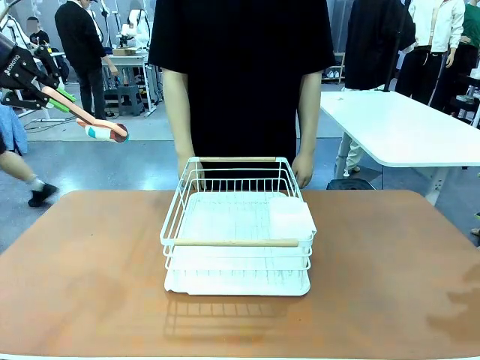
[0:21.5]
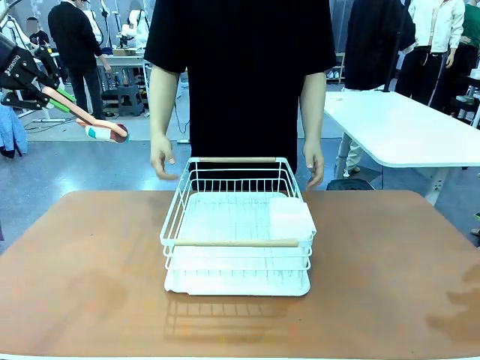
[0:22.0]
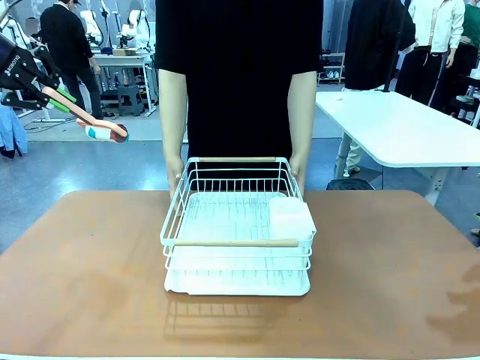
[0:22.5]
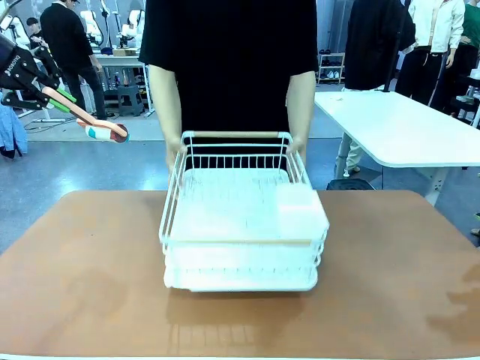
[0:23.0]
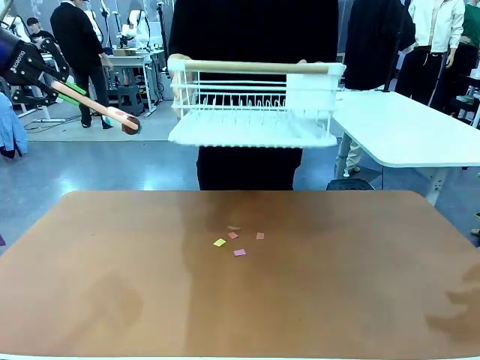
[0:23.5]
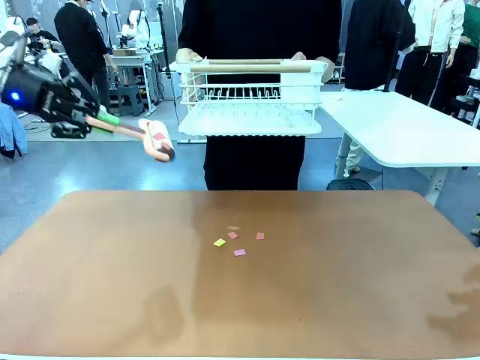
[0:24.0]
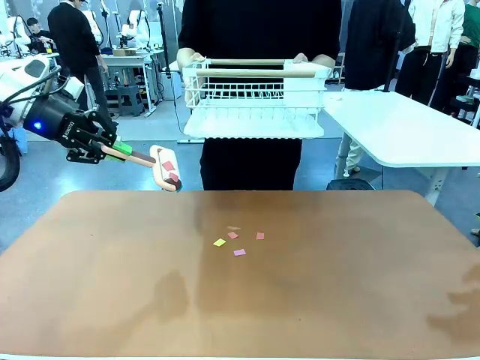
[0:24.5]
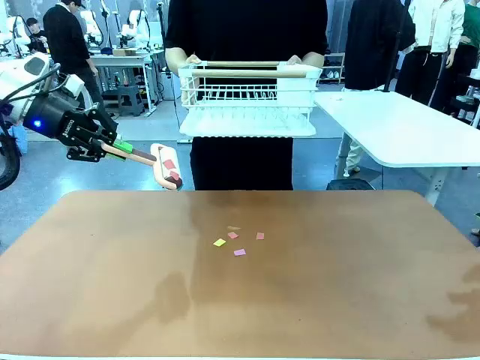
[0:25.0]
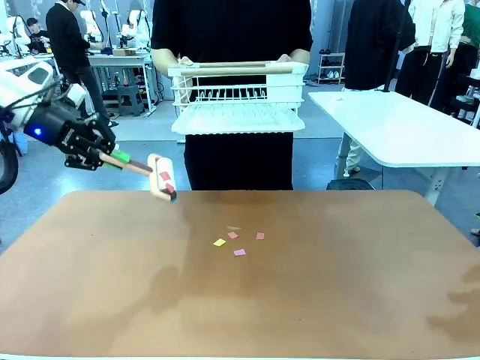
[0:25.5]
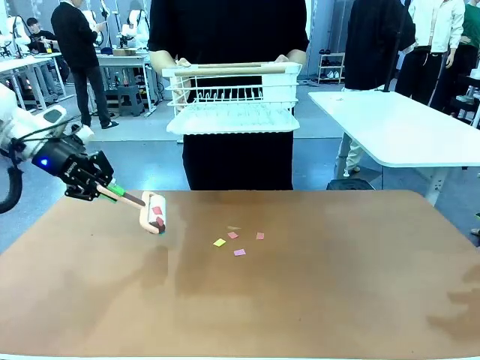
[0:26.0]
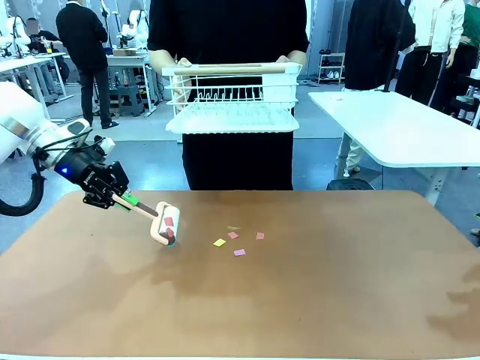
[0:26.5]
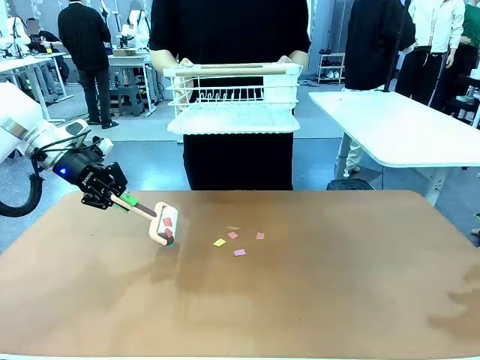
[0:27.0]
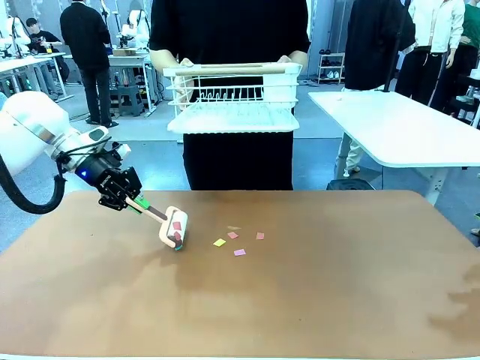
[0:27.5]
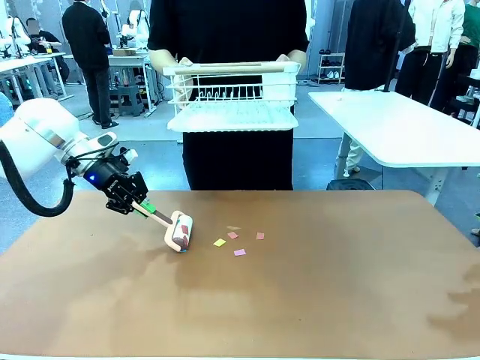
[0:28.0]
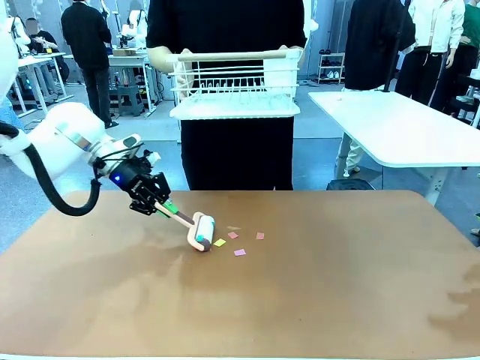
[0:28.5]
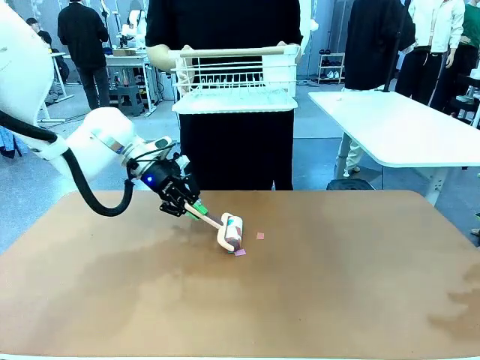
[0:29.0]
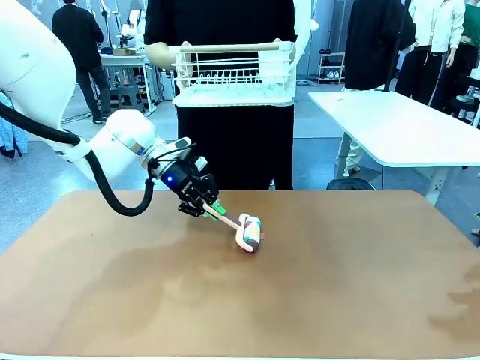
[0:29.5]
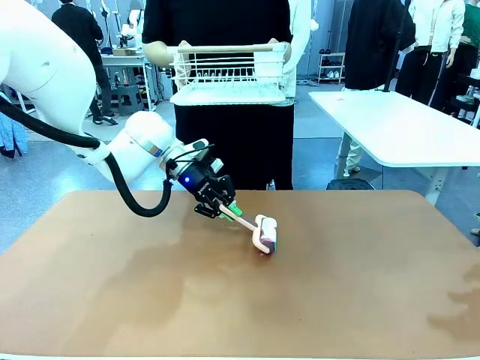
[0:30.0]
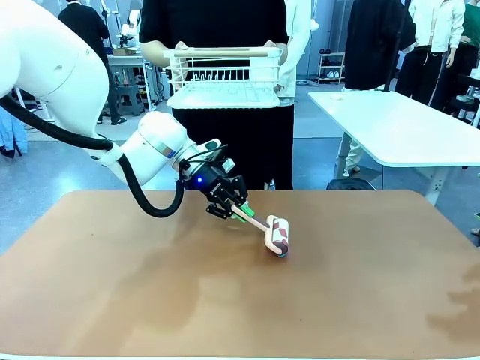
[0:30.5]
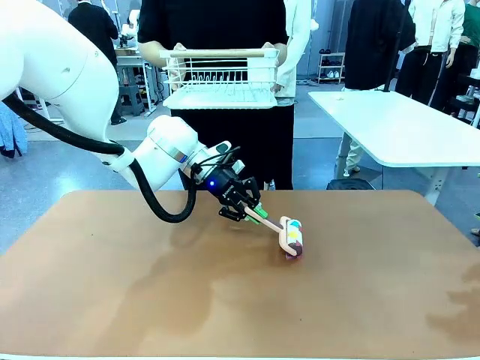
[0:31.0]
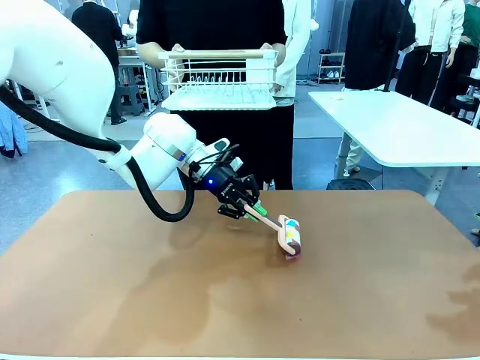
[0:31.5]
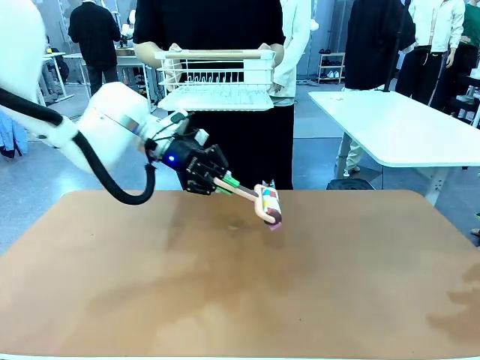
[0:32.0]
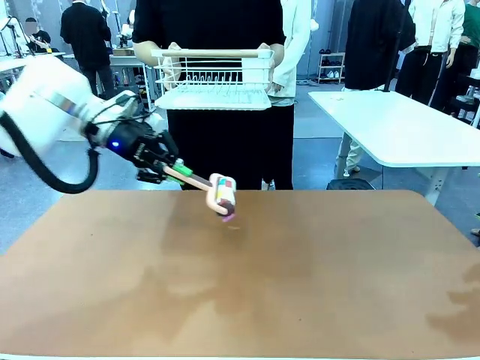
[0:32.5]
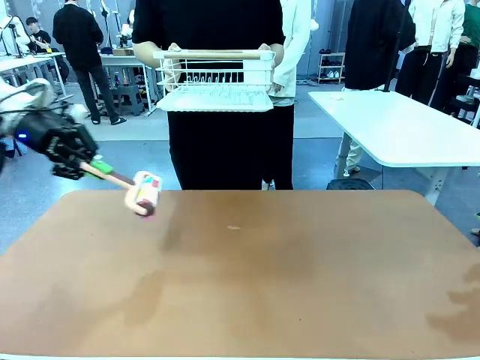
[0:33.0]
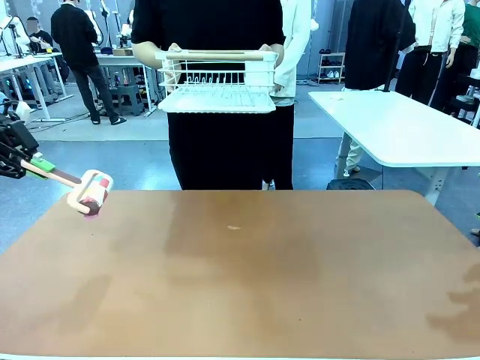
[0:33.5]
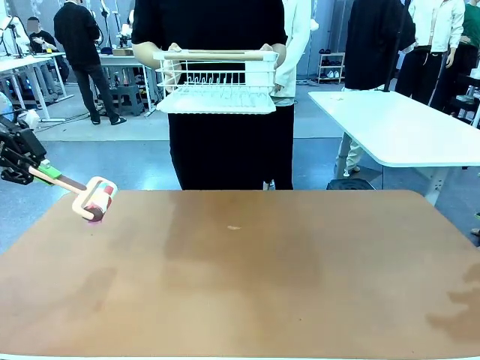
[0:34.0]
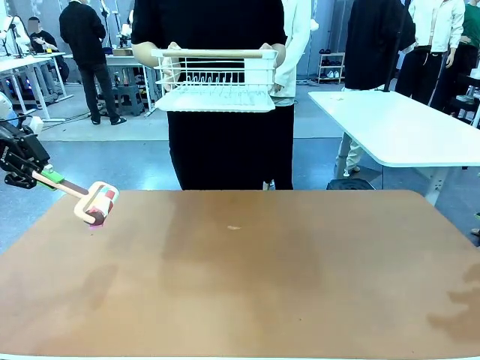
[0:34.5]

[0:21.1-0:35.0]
Task: Clean the table.
Robot: Clean the table with the Lint Roller when the human lifts the Dish drying rack.
Person: Place the Dish drying rack down when the robot finishes cleaning.

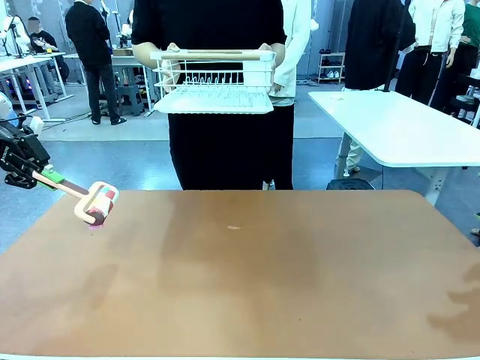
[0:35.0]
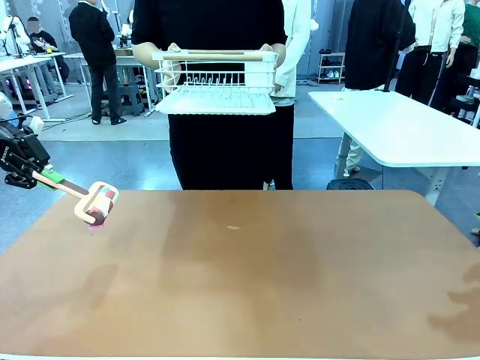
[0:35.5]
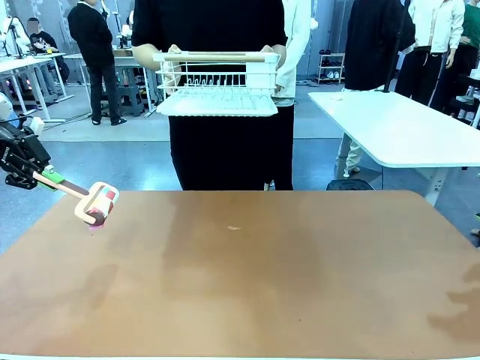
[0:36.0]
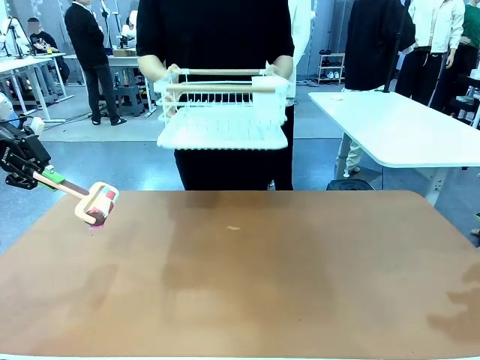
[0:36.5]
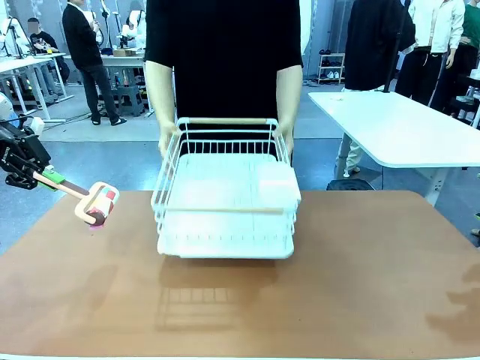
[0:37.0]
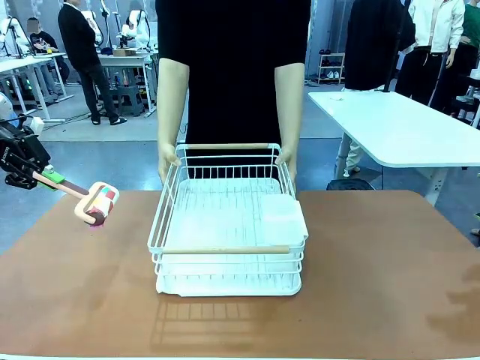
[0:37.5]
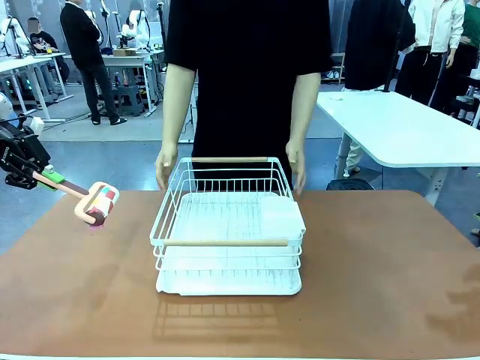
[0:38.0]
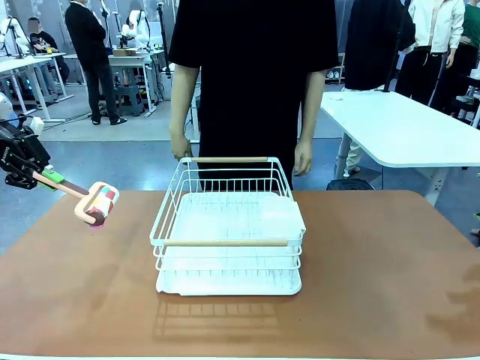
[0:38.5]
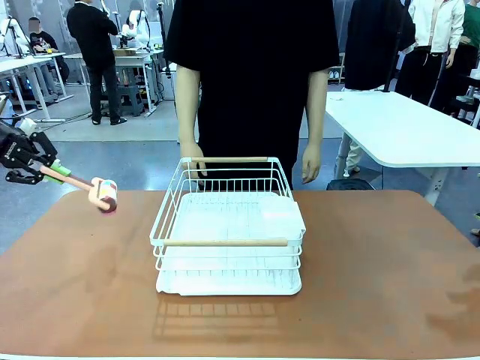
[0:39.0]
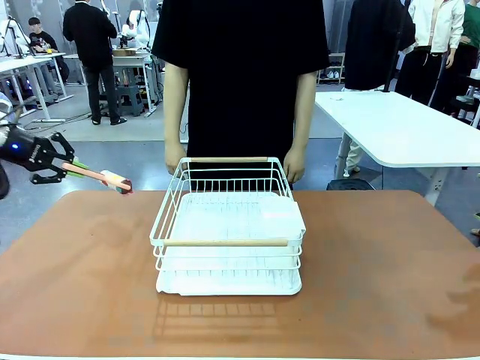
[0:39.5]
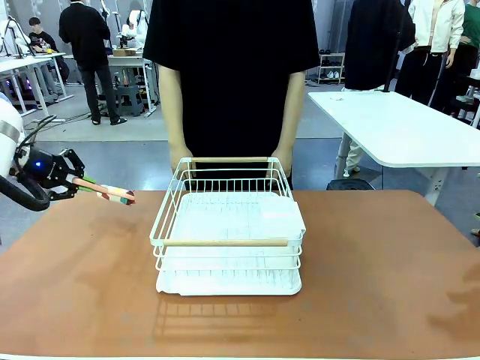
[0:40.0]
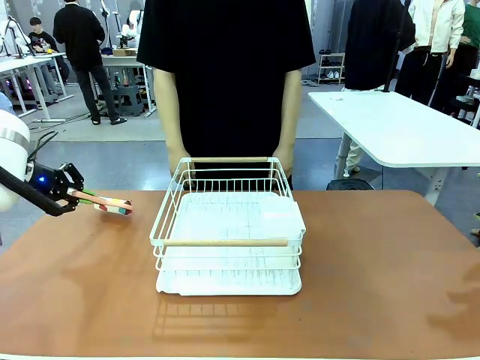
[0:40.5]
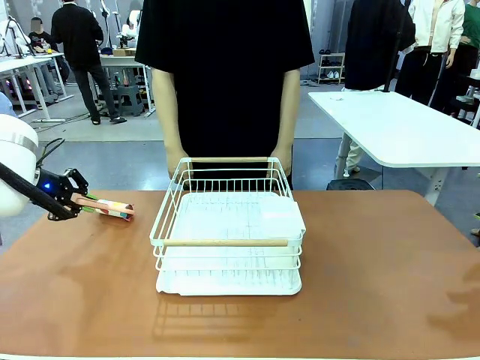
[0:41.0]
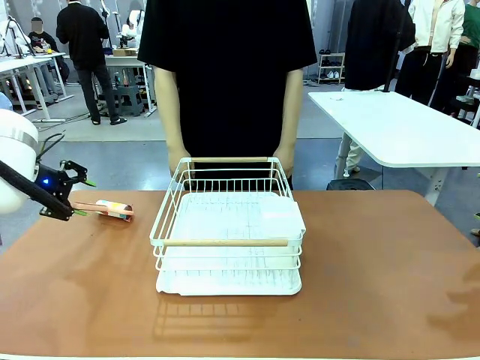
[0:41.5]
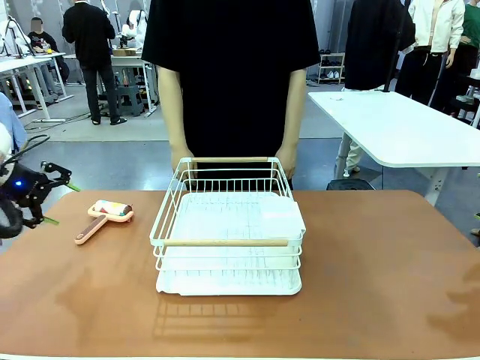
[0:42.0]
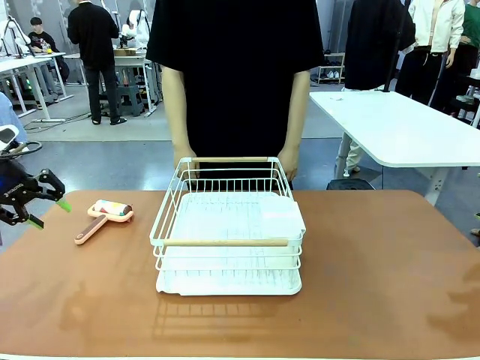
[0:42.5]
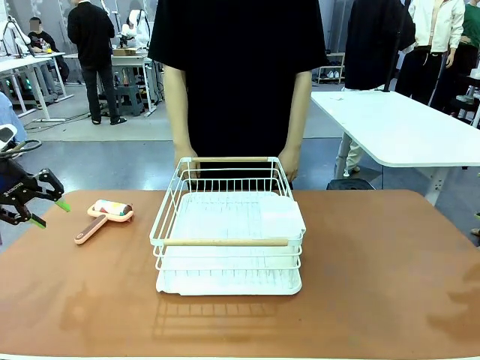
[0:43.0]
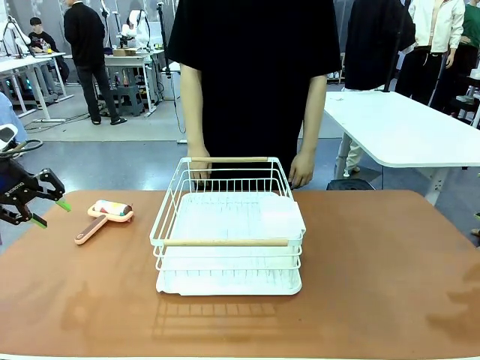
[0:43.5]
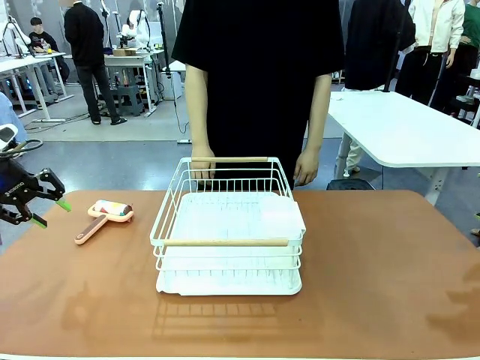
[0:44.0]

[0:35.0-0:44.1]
Robot: Place the Lint Roller down when the Dish drying rack is positioned in the middle of the table.

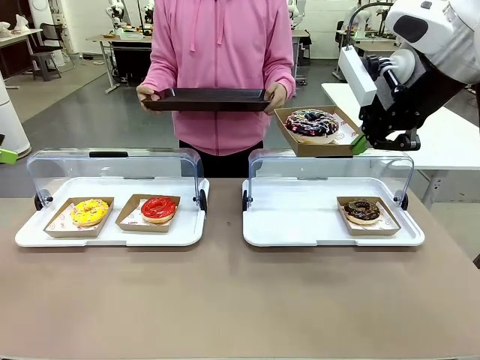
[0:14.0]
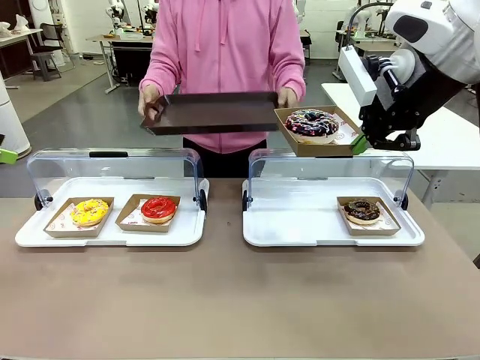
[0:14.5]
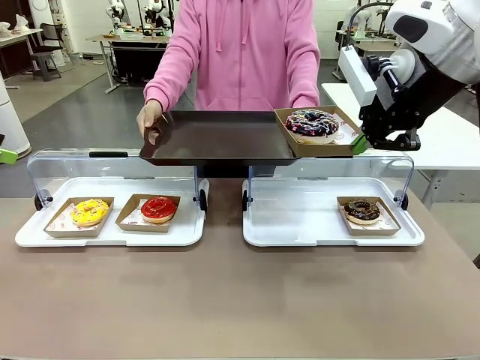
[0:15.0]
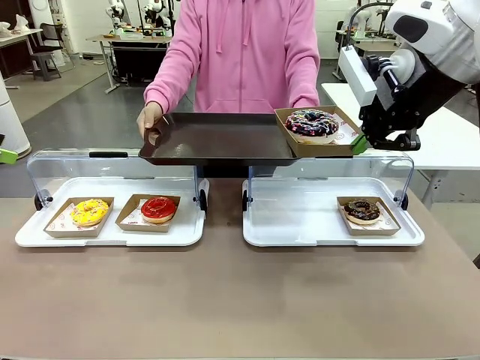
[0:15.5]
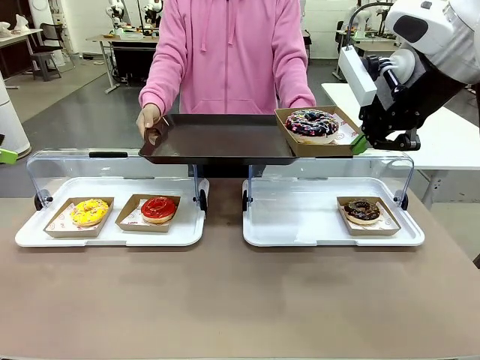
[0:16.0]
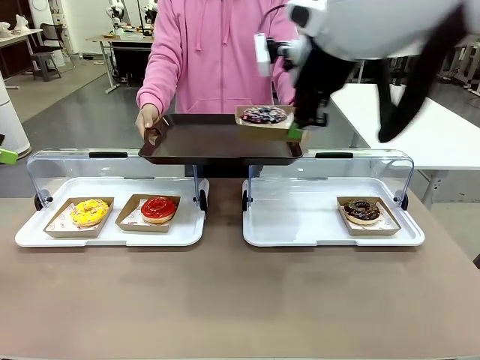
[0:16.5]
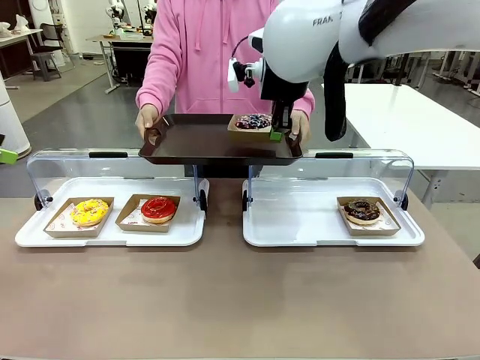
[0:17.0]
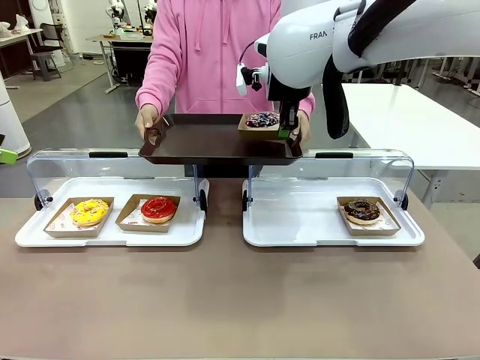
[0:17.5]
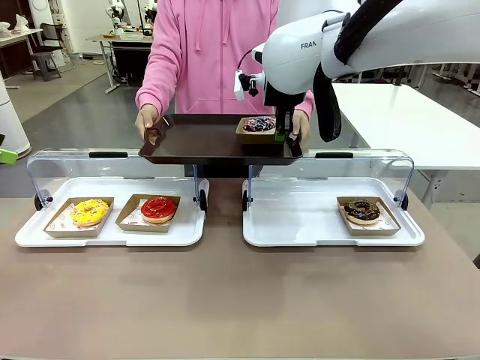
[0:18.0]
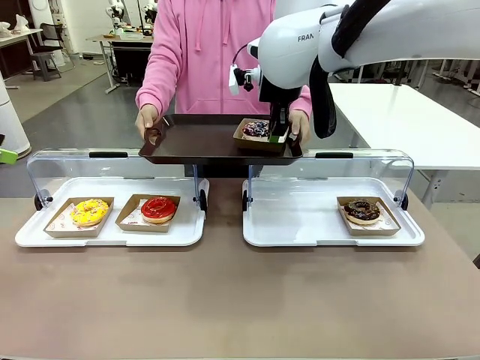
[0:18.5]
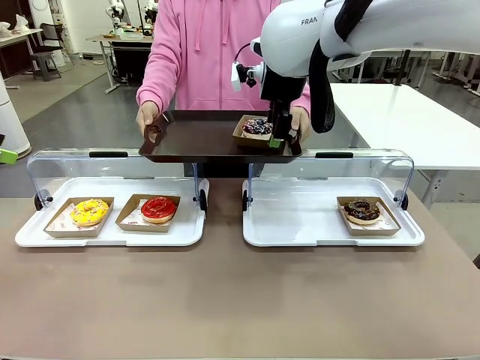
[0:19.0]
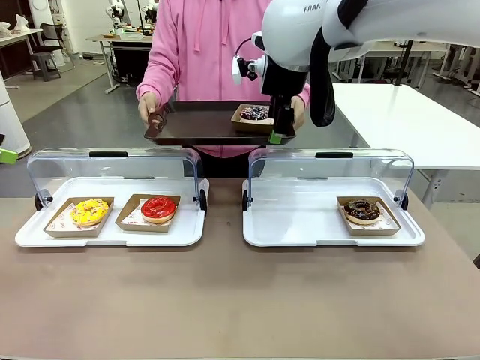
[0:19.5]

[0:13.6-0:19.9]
Task: Provide the desired donut to the person.
Robot: Place the picked Paper togo box onto the Handle tray extended by the person.
